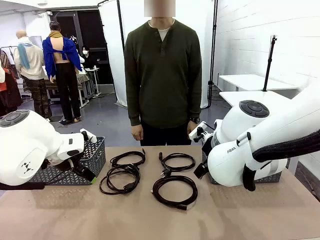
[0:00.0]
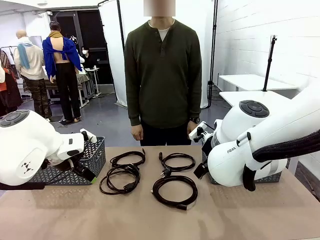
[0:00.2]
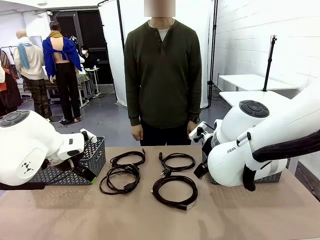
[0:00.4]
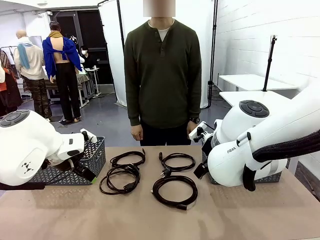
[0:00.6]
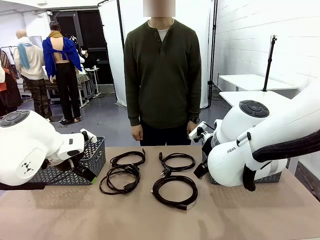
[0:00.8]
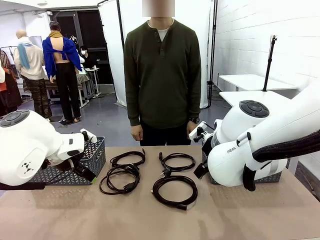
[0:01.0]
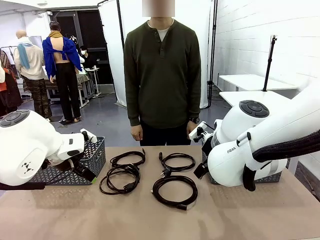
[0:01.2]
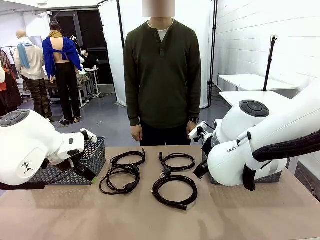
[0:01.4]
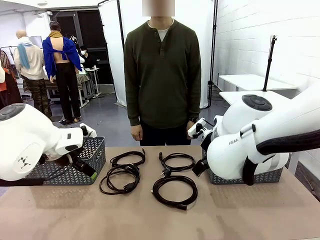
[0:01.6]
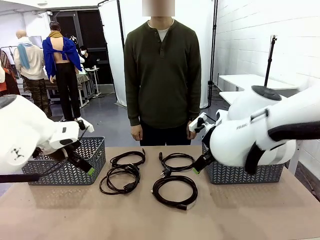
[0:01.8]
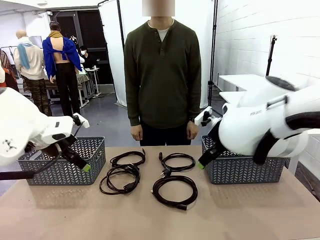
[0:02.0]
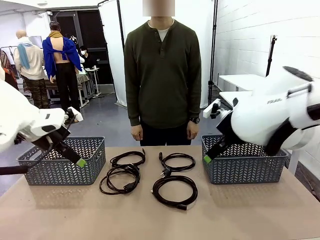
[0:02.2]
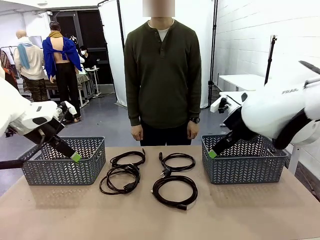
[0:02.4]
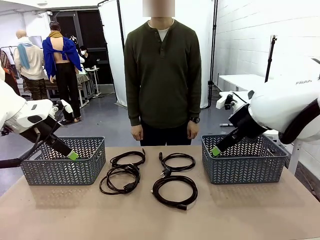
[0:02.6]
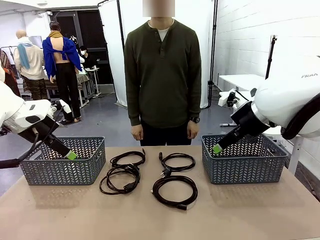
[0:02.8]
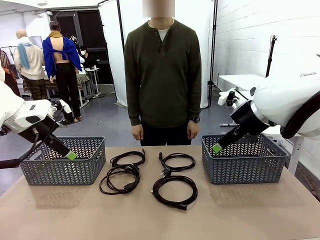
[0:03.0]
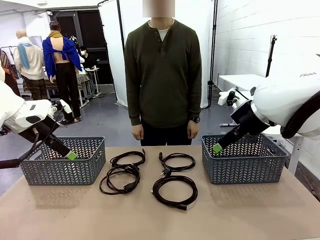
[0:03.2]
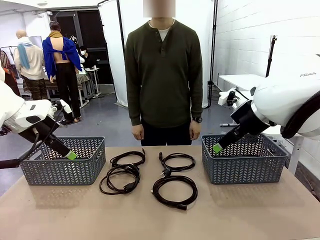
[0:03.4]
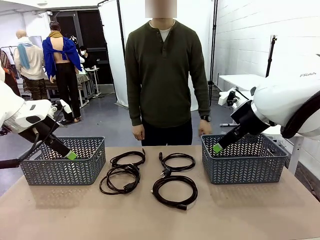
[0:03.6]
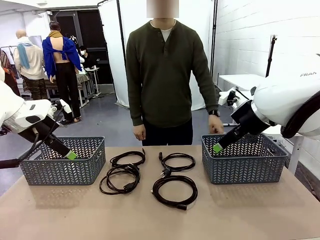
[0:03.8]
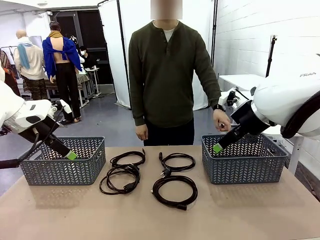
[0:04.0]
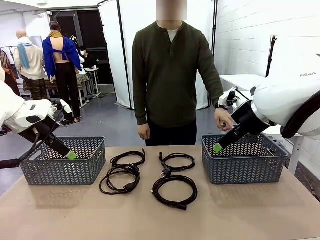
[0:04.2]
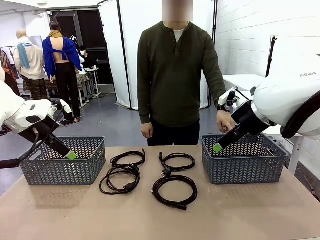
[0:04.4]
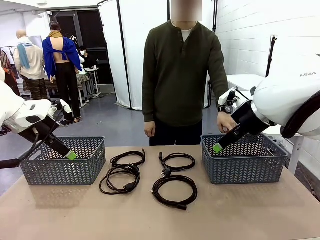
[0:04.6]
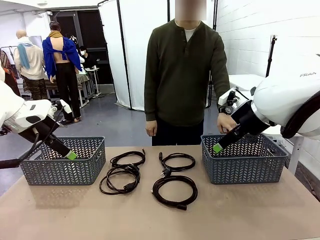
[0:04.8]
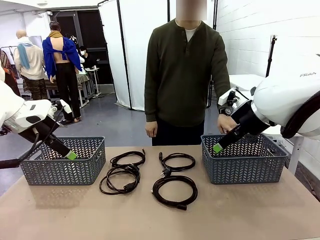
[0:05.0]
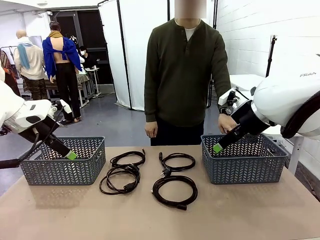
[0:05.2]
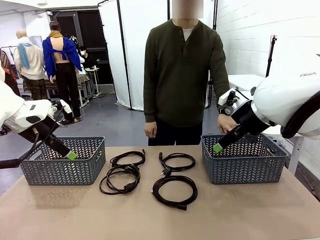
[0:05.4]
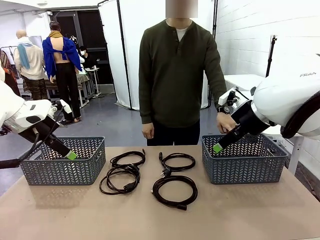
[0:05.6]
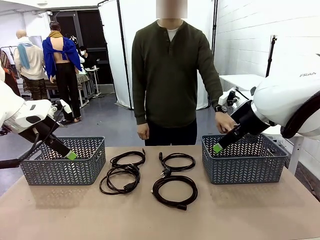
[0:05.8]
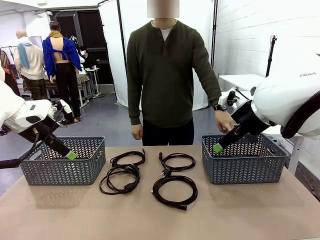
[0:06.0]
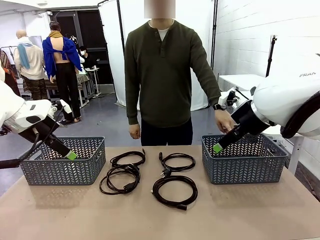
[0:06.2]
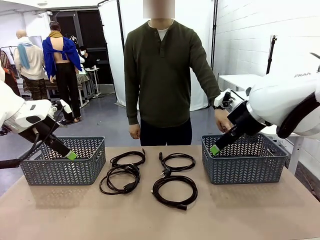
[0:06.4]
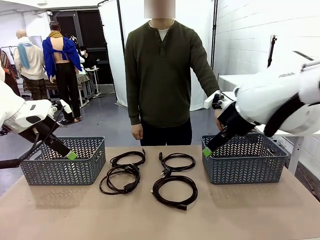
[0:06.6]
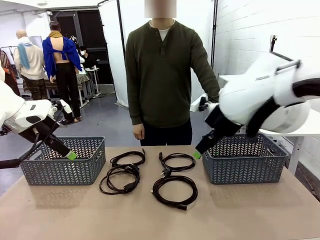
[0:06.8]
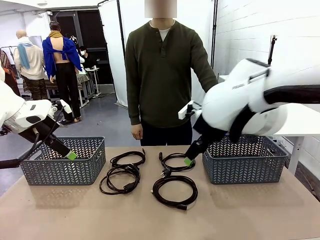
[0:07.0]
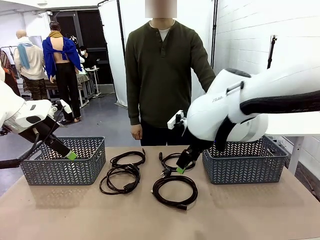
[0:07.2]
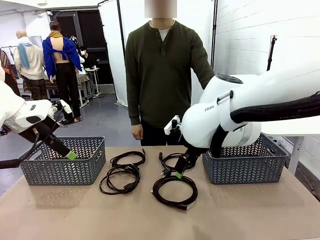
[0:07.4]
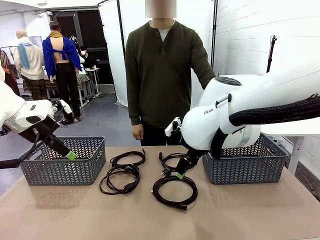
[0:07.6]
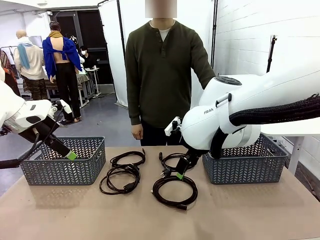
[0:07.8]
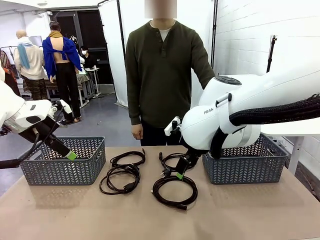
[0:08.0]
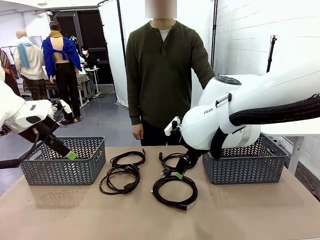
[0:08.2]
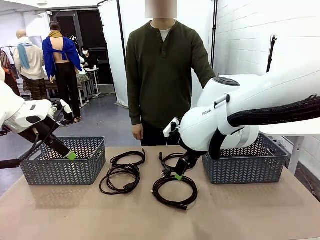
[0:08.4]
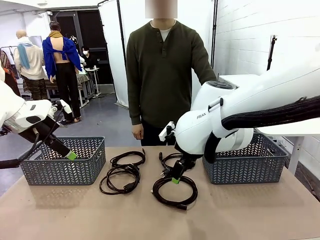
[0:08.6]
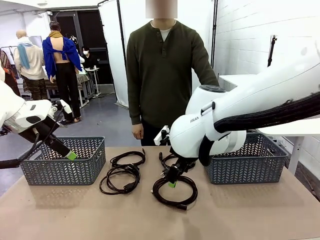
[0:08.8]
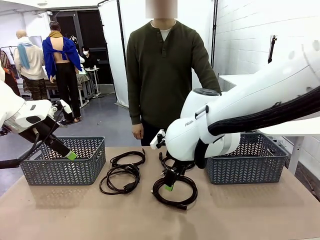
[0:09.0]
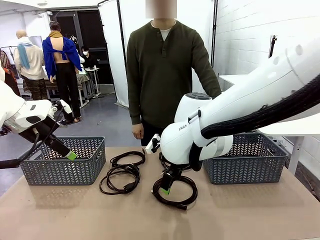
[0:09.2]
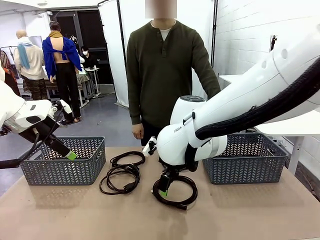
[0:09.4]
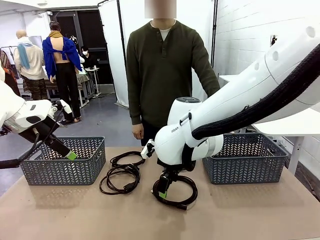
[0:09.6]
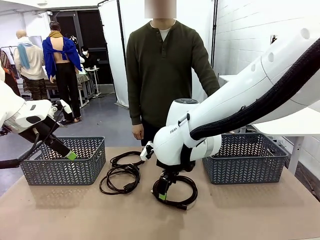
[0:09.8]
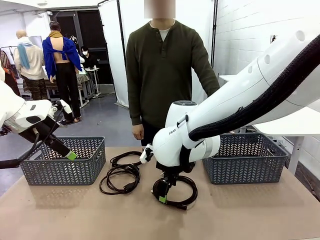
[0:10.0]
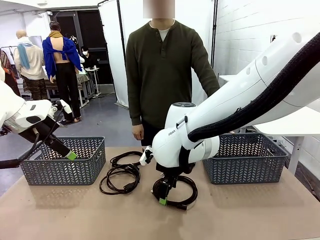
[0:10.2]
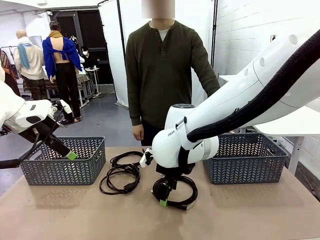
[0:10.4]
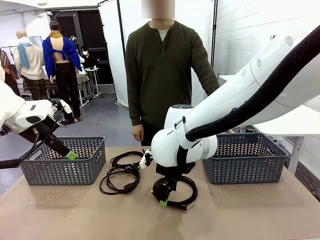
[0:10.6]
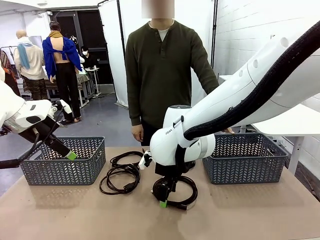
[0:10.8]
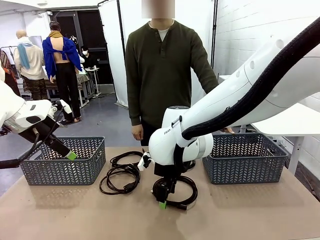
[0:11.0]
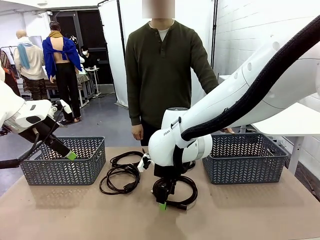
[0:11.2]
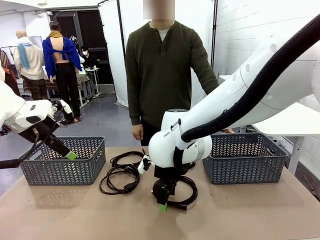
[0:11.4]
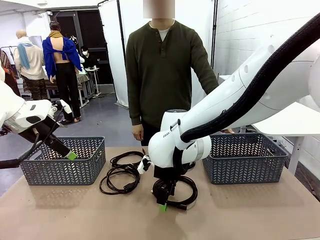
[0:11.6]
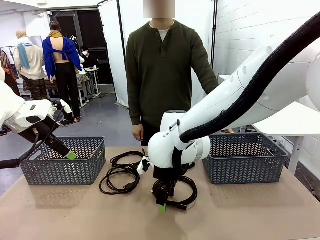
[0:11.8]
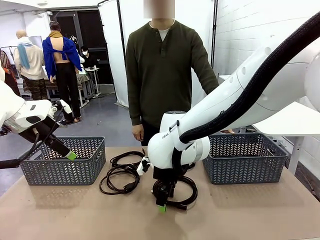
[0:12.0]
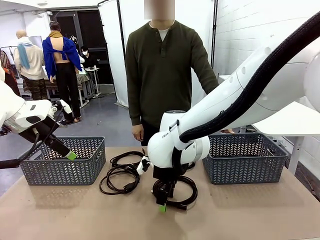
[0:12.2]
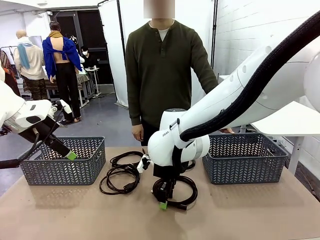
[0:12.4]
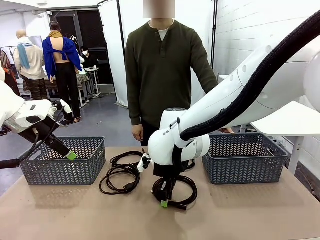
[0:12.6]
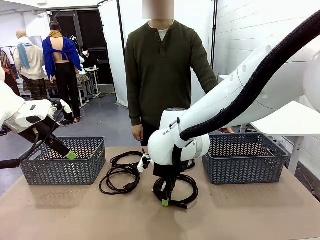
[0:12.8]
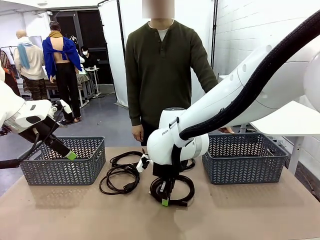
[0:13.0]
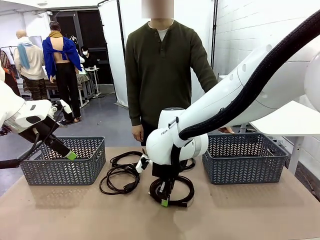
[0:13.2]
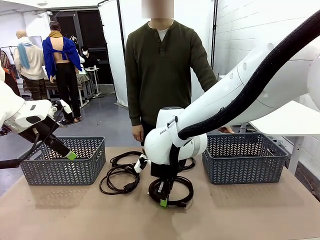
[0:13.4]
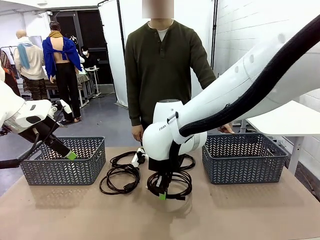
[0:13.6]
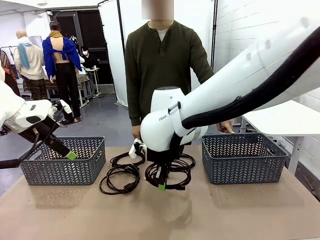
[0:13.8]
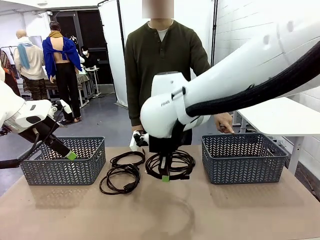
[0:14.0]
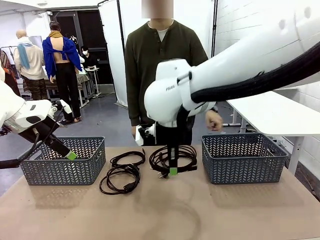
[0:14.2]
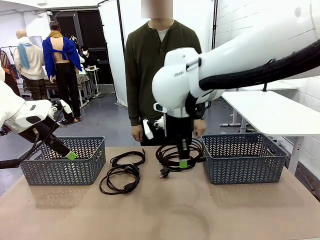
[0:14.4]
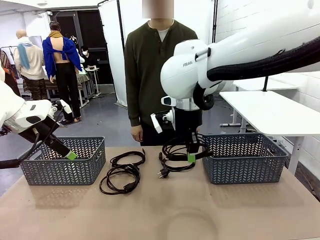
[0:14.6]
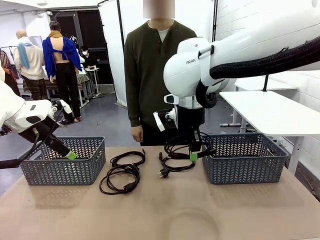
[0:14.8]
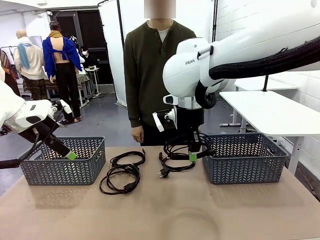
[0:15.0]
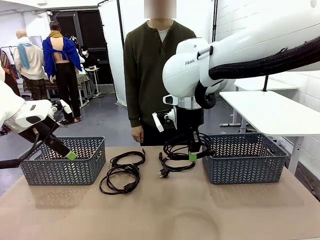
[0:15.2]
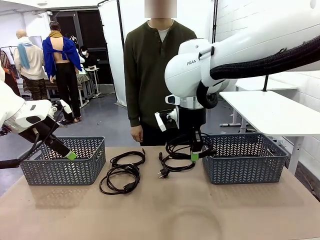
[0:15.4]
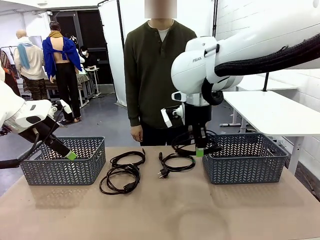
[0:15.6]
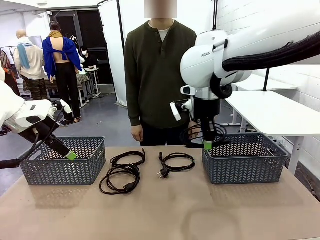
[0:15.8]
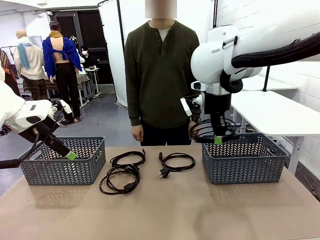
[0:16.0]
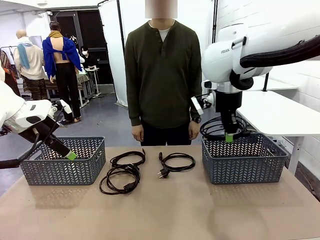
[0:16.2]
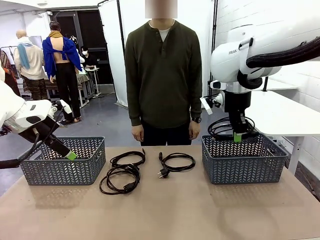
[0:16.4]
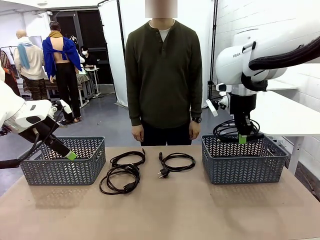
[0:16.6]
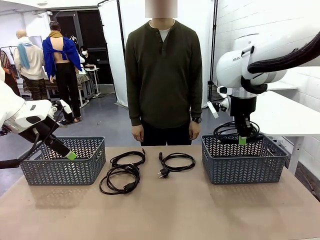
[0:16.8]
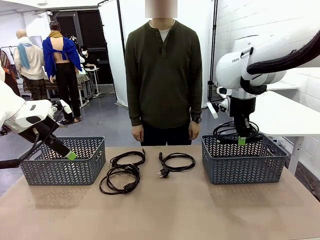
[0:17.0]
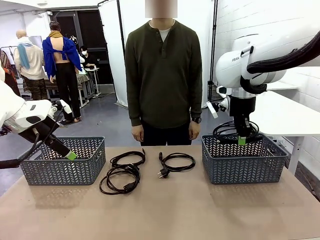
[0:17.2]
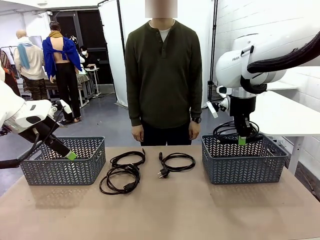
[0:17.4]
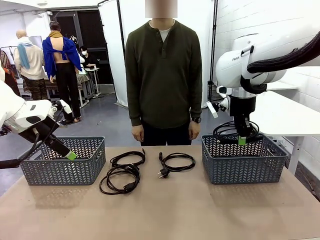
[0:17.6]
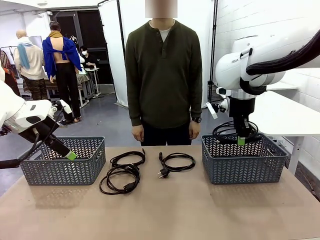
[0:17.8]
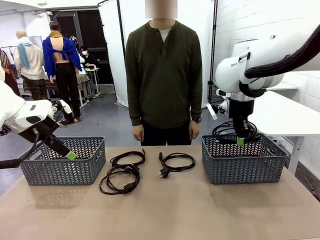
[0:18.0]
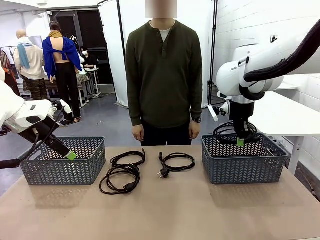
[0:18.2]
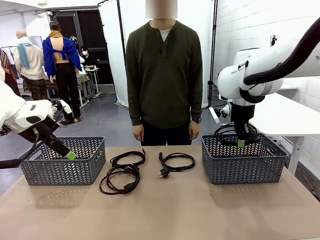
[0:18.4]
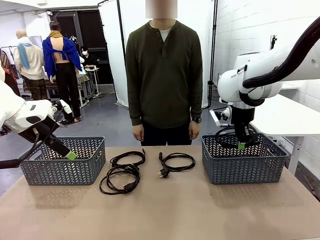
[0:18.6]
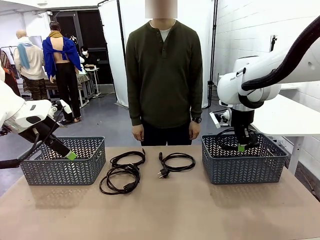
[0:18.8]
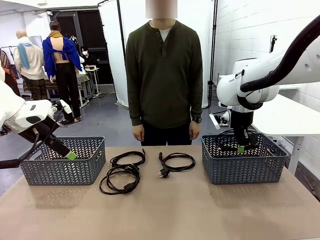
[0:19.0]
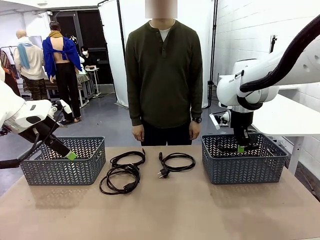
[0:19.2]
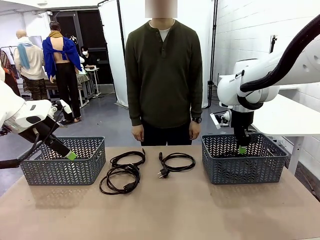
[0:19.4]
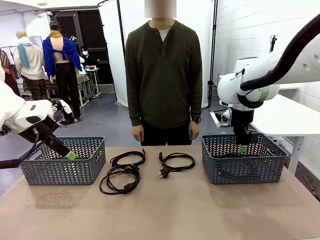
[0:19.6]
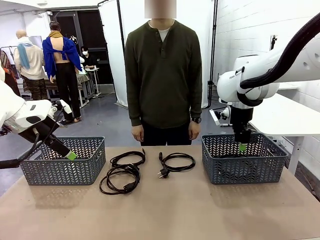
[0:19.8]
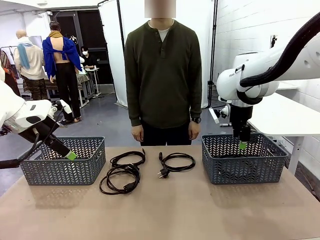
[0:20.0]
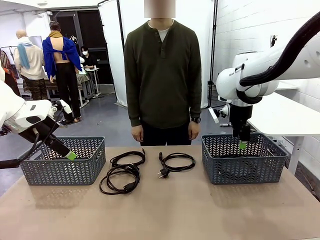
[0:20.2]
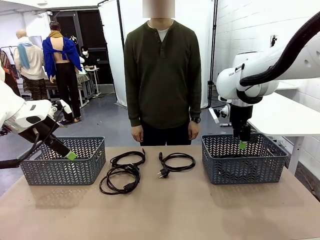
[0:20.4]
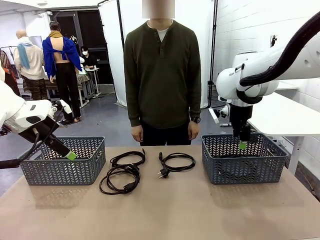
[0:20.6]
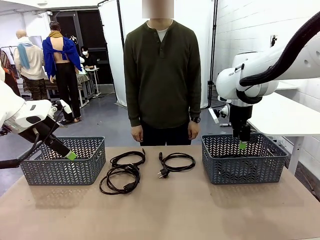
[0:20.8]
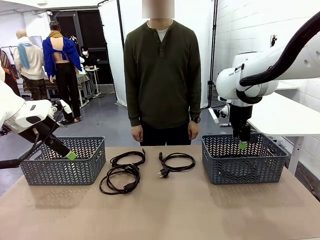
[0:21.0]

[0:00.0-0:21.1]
Task: Organize the cables according to human instructions.
Robot: Pick up a bundle of cables and place it in the basket indicated by the human.
